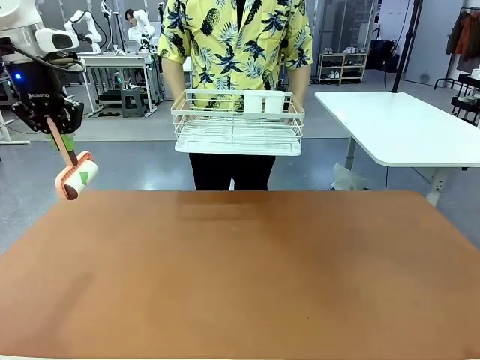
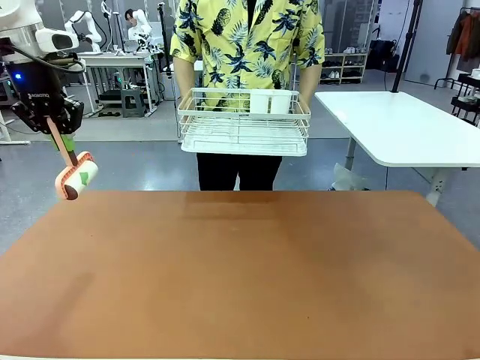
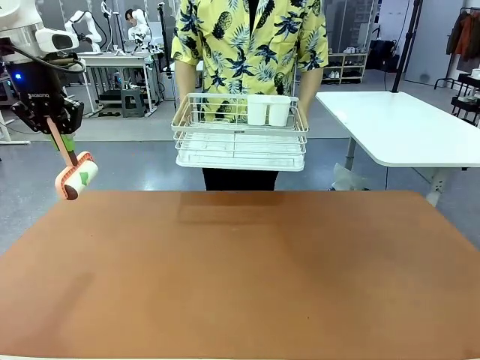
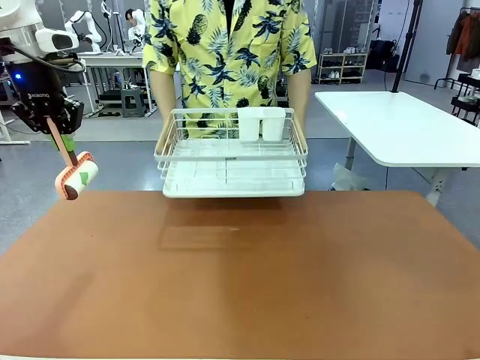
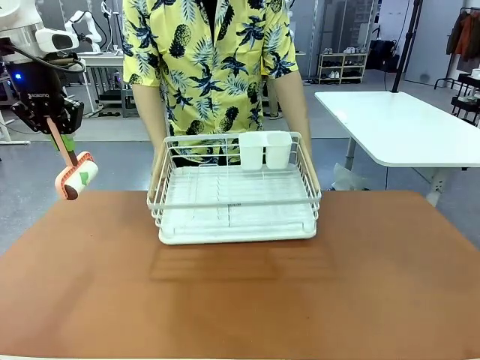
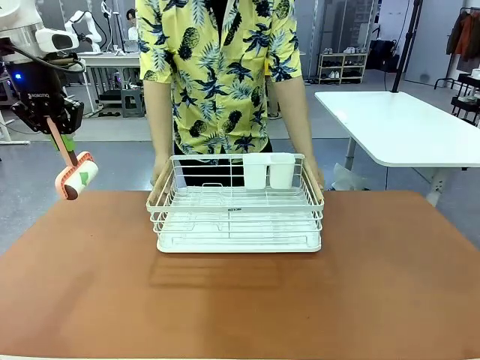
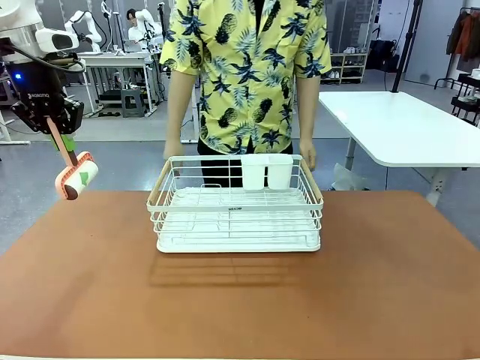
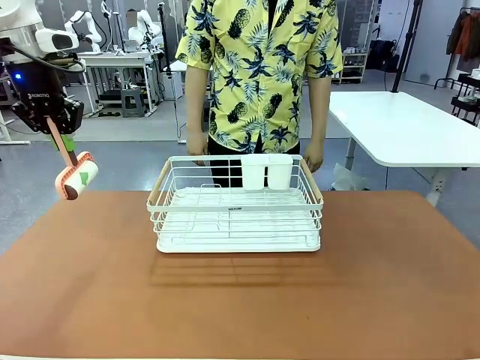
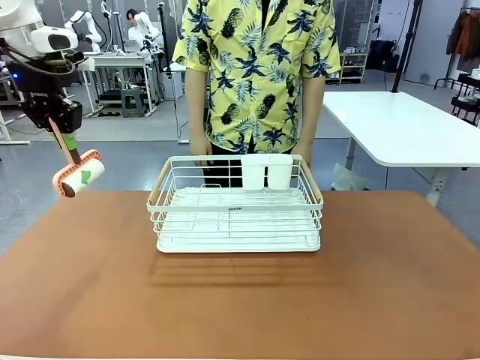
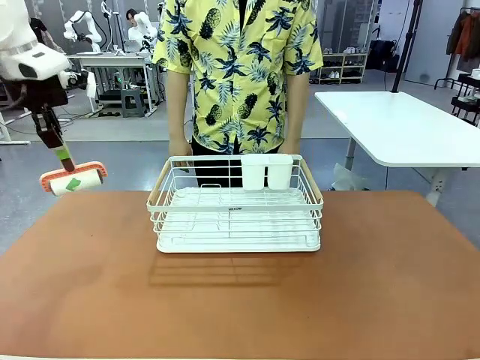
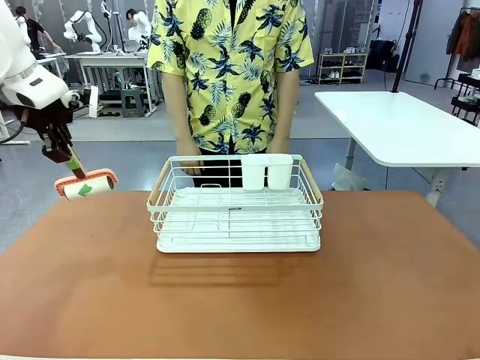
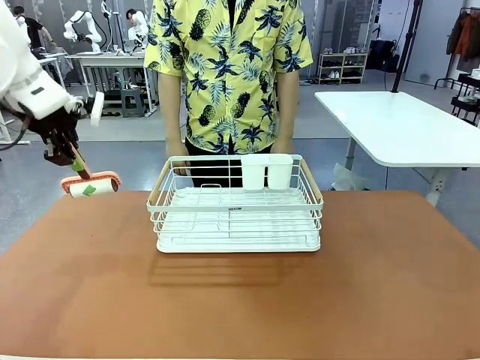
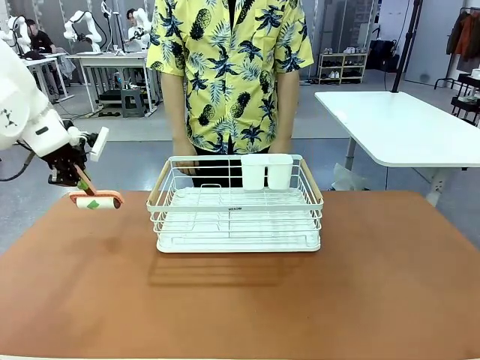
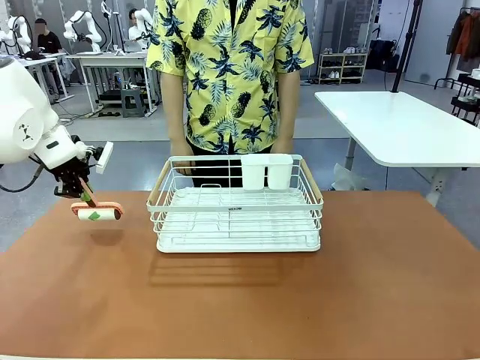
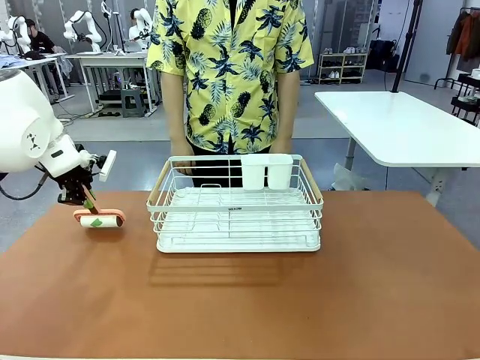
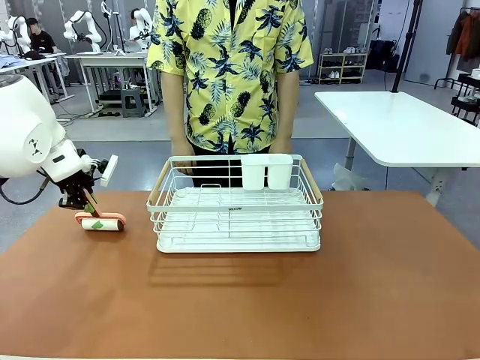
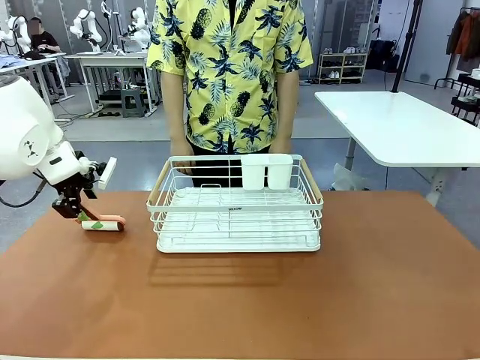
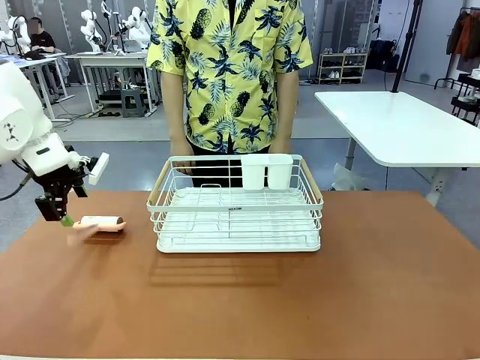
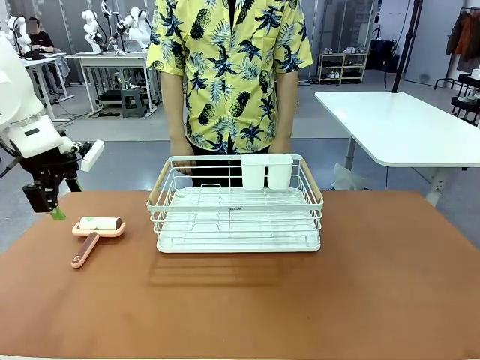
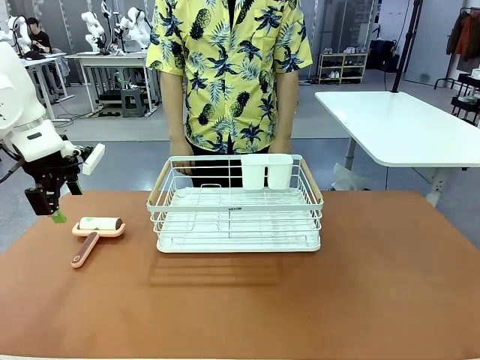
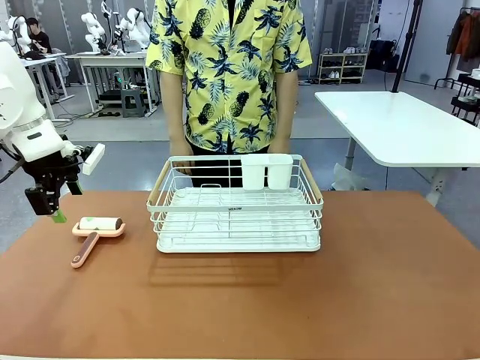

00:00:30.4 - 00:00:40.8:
Task: Clean the table.
Robot: Place the Lint Roller down when the Dish drying rack is positioned in the middle of the table.

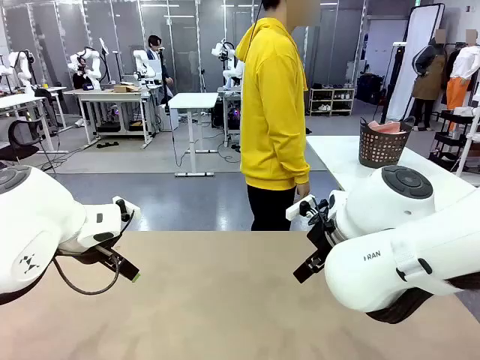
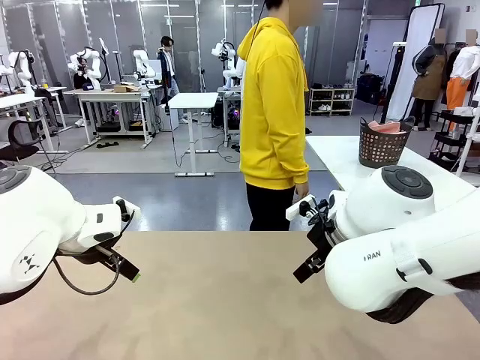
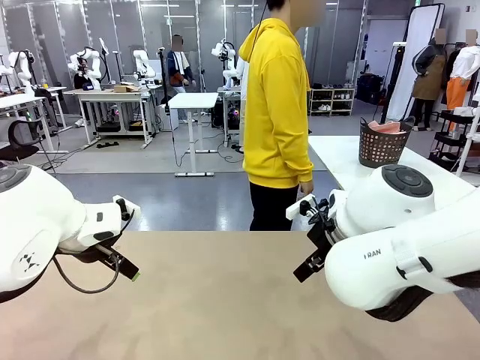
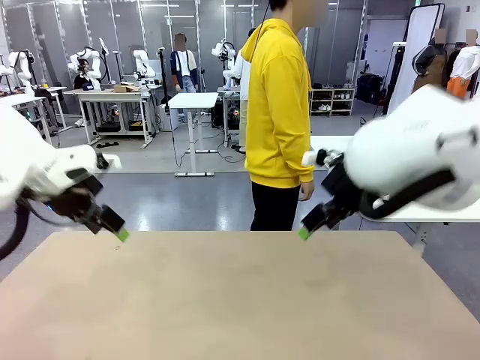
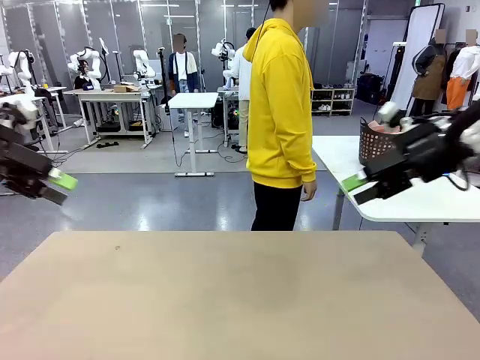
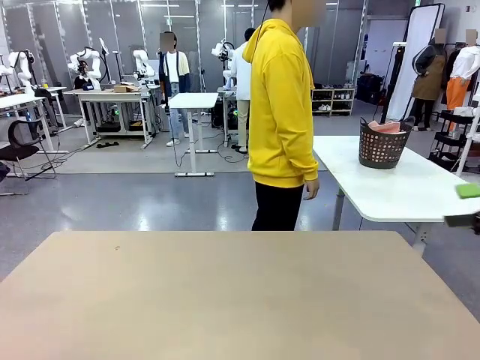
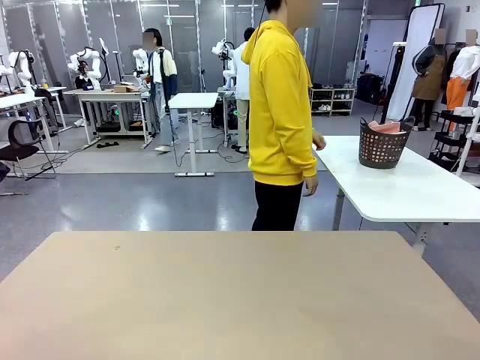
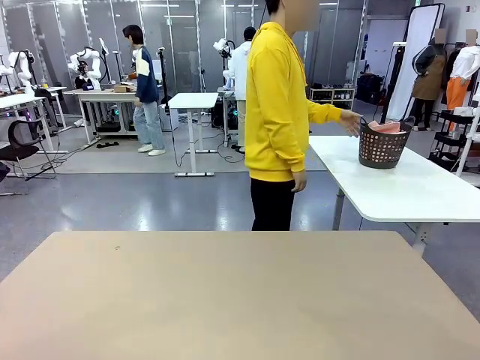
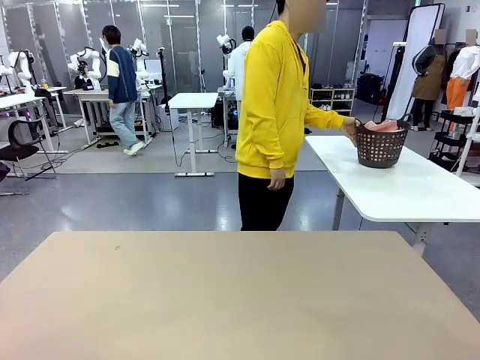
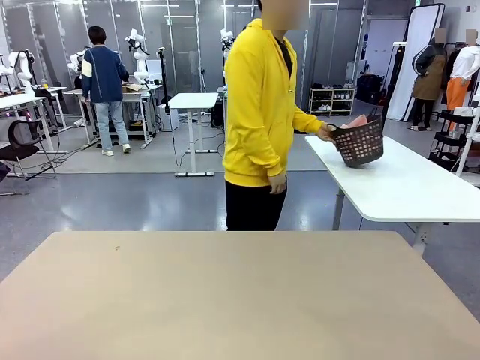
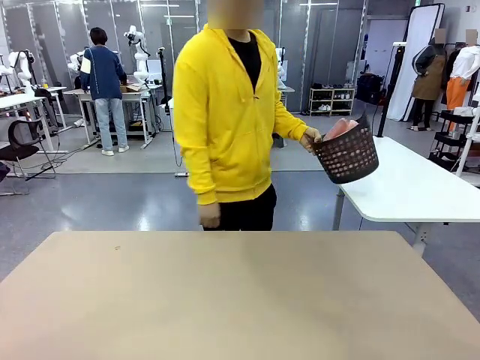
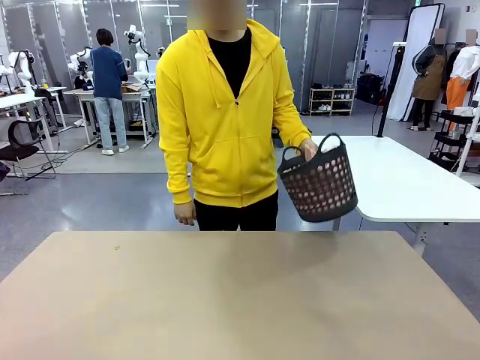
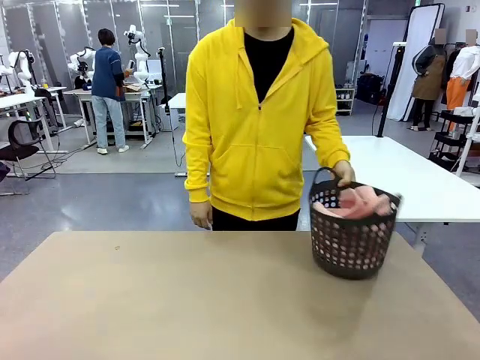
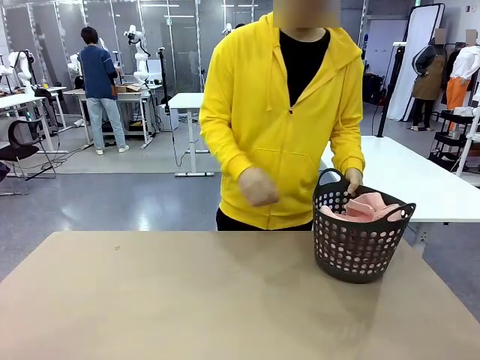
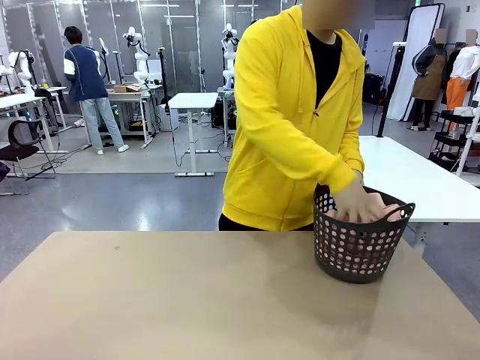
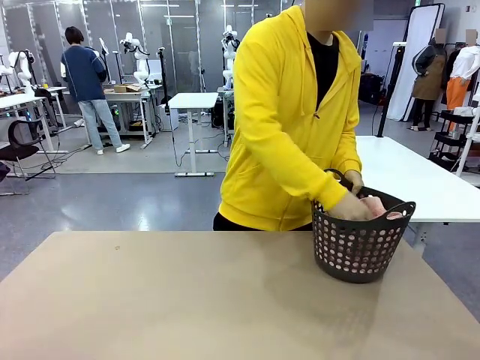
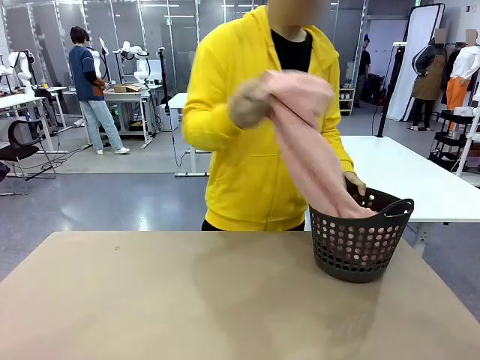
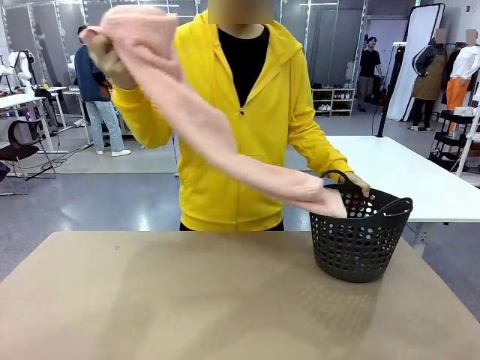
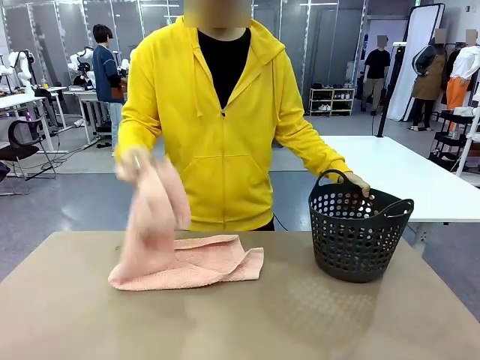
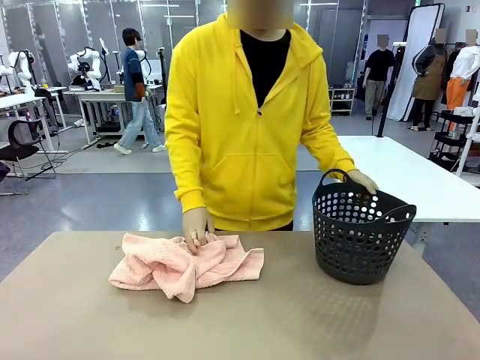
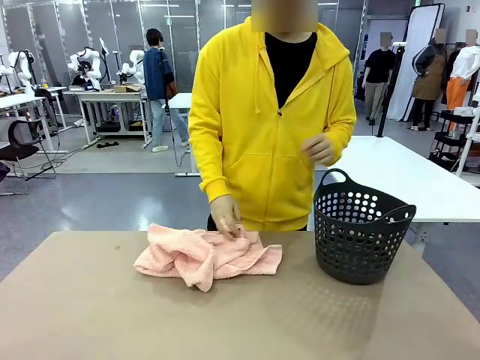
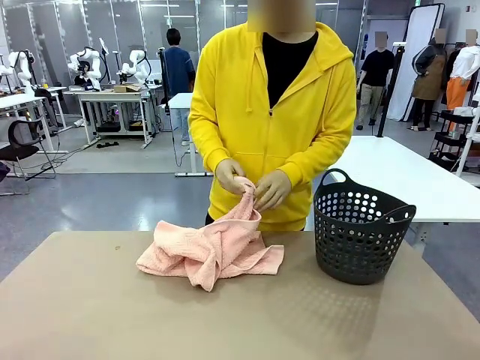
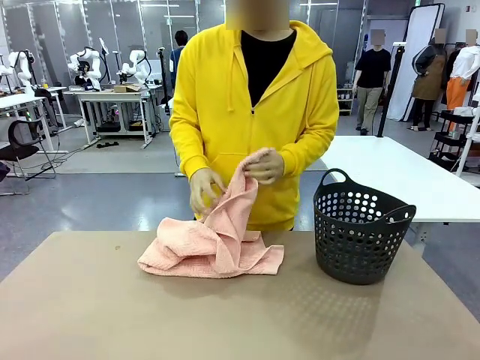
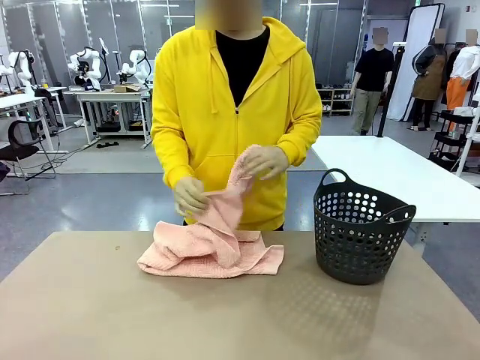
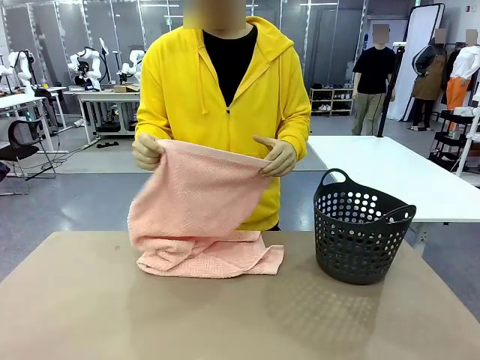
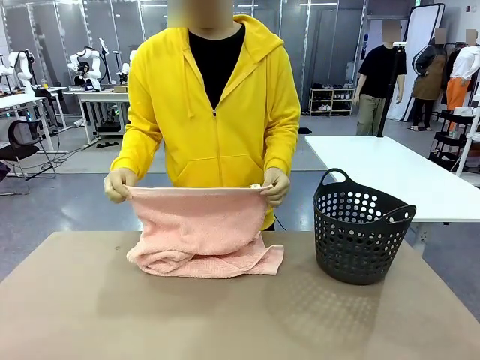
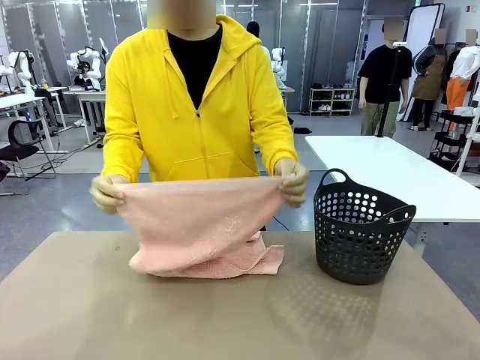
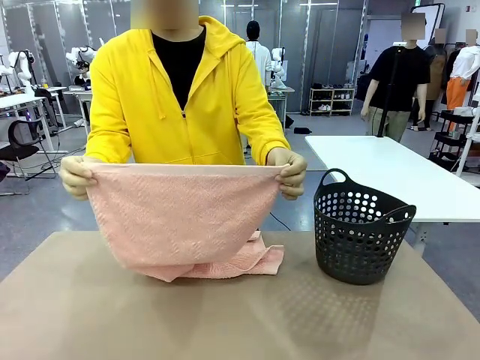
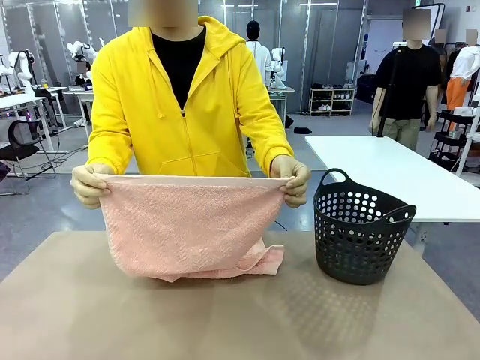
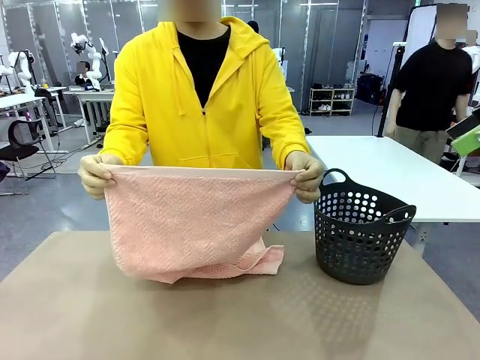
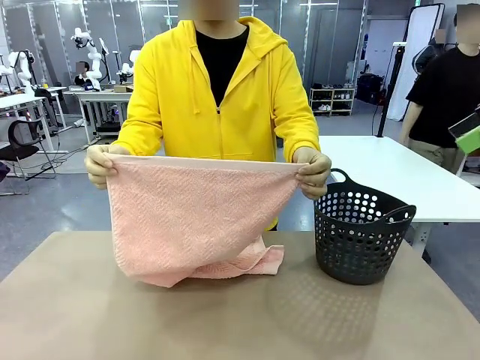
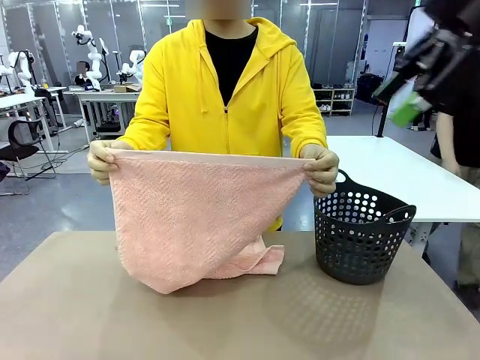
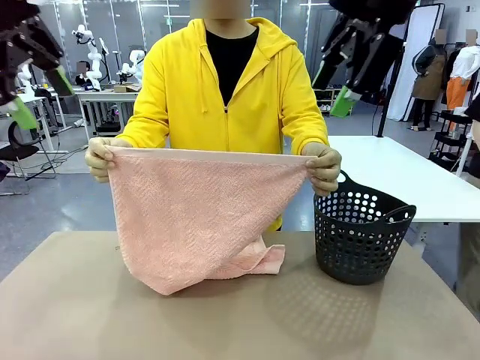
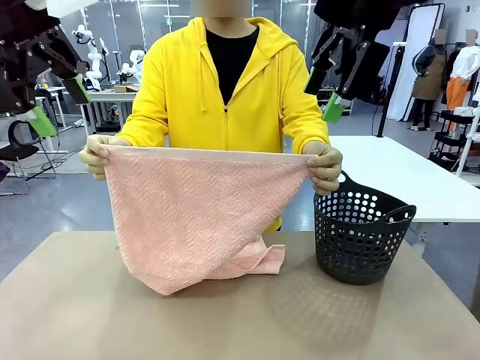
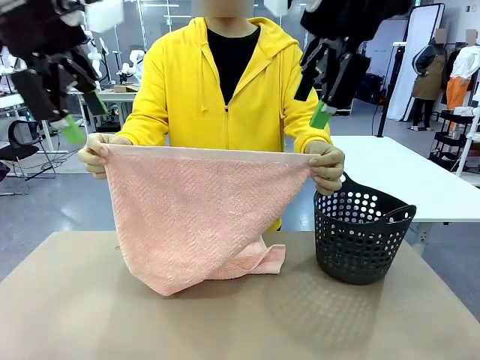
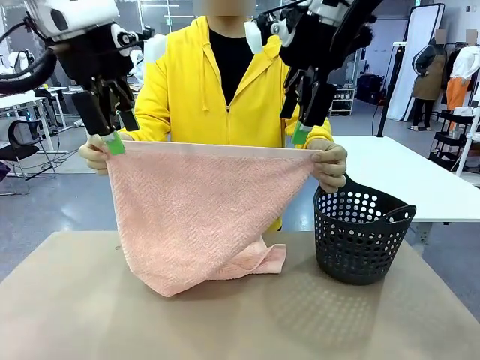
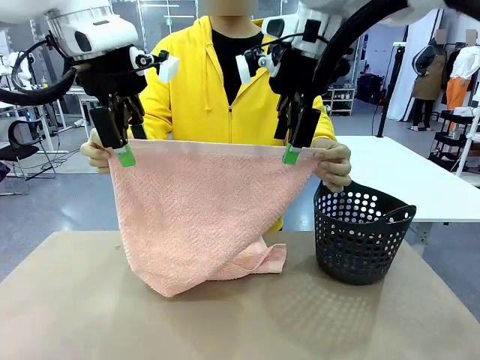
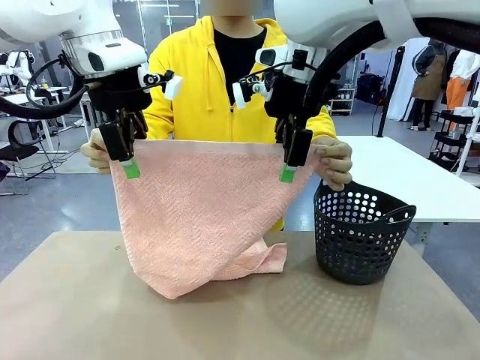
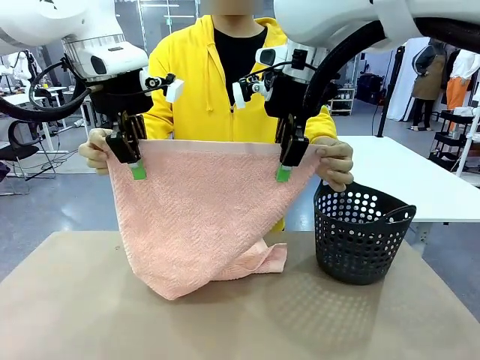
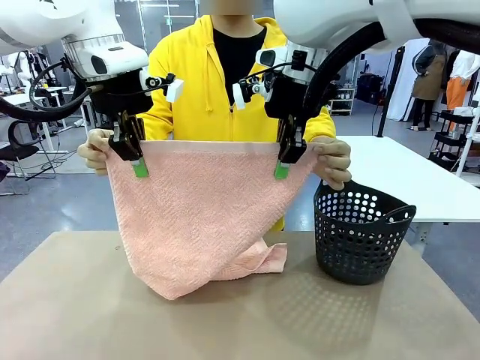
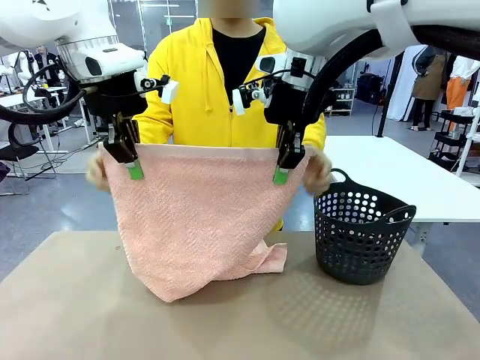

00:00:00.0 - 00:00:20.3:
Task: Fold the towel.
Robot: Grab the top end of the 100 cm Hotel Towel extended by the human.
Person: Pick up the laundry basket, place it on the left side of the robot table, then take out a towel and hand it to the robot while holding both corners of one end.
